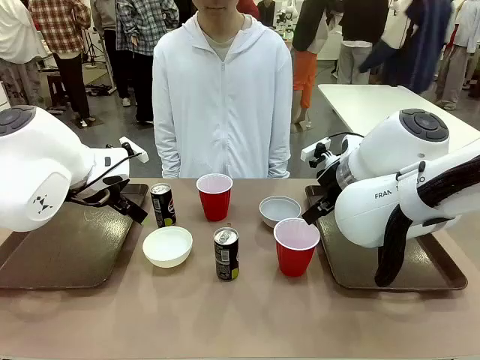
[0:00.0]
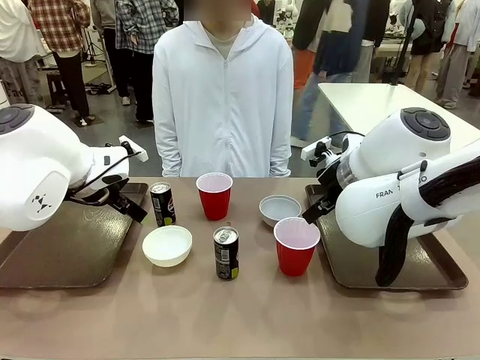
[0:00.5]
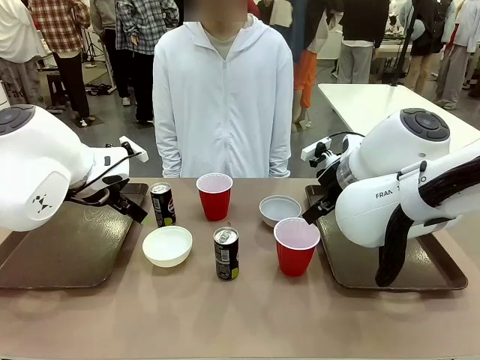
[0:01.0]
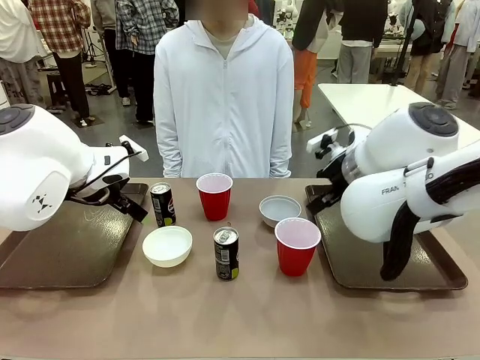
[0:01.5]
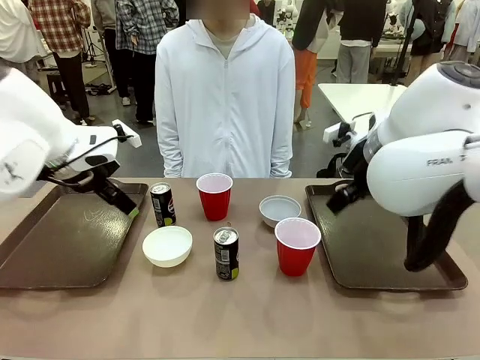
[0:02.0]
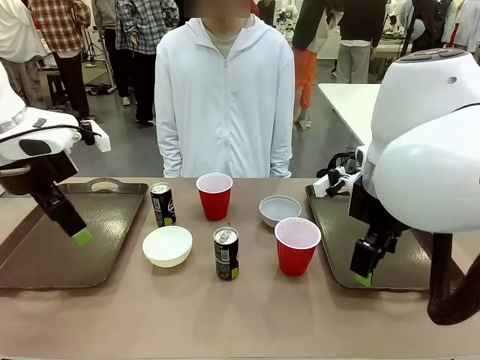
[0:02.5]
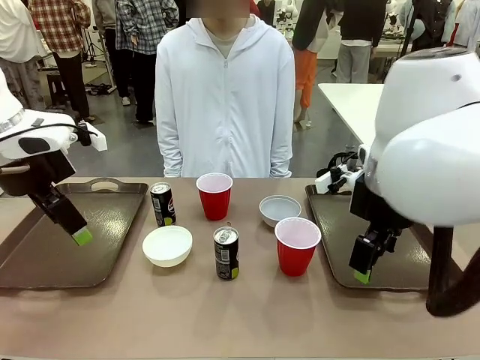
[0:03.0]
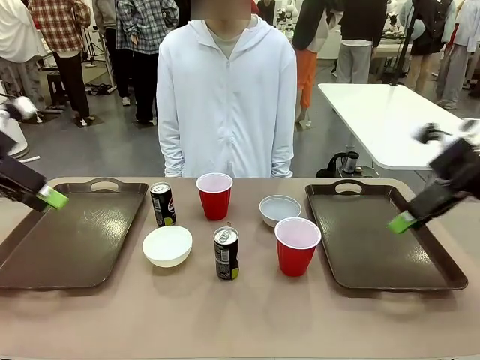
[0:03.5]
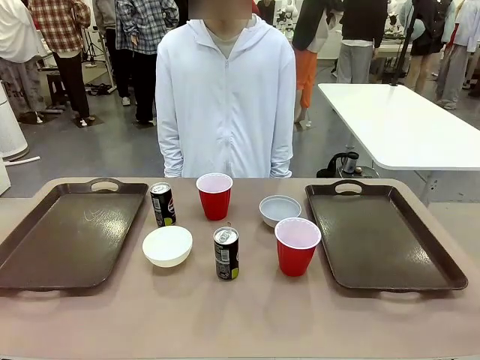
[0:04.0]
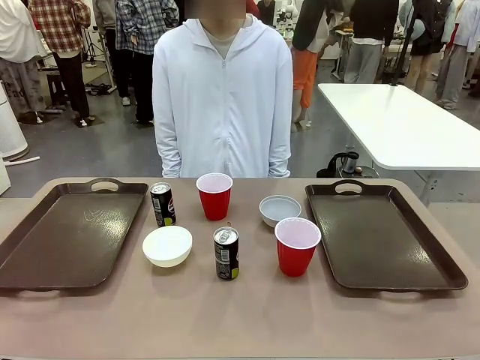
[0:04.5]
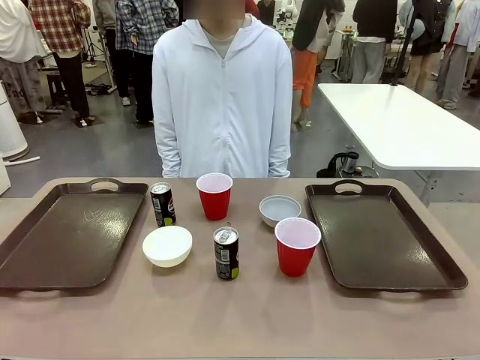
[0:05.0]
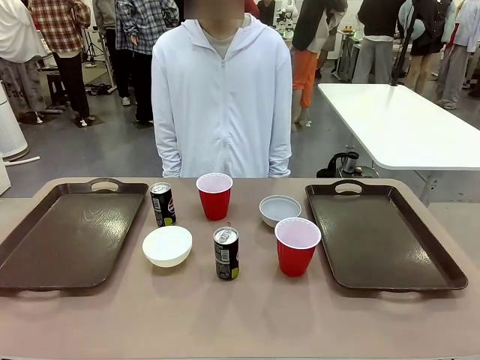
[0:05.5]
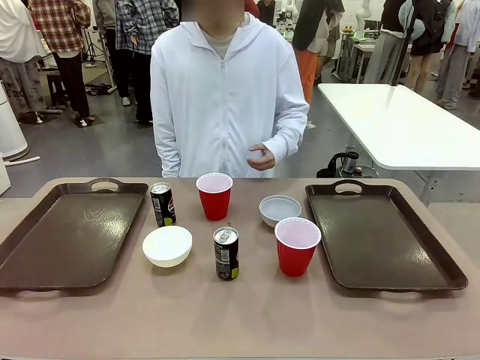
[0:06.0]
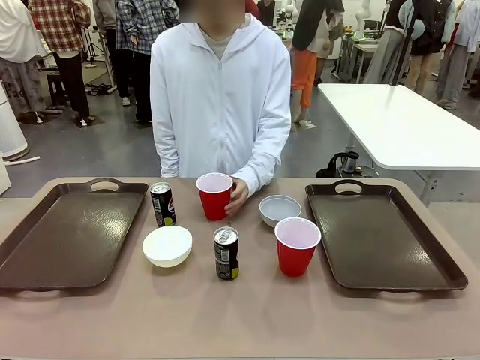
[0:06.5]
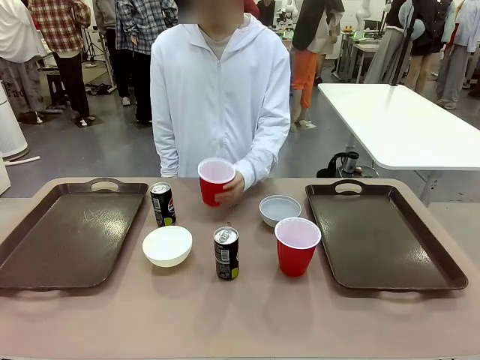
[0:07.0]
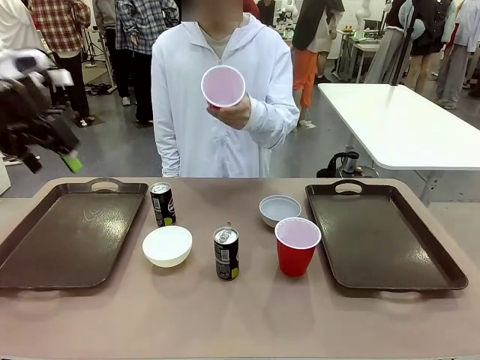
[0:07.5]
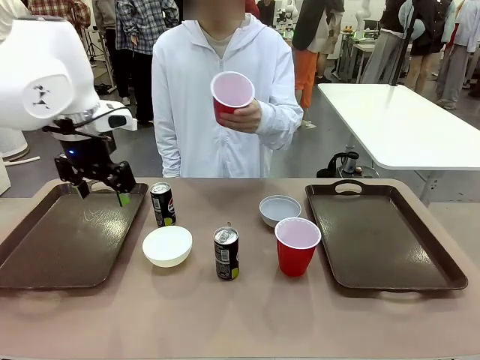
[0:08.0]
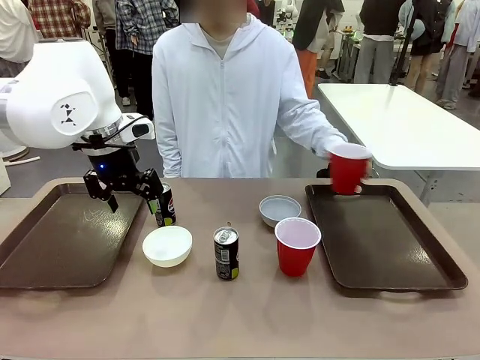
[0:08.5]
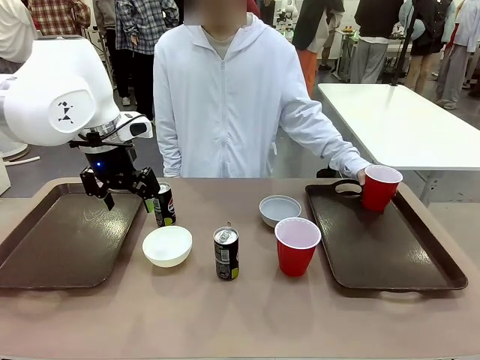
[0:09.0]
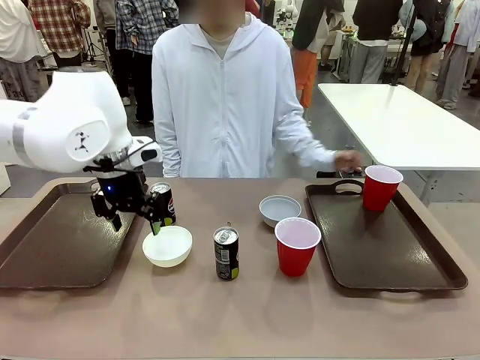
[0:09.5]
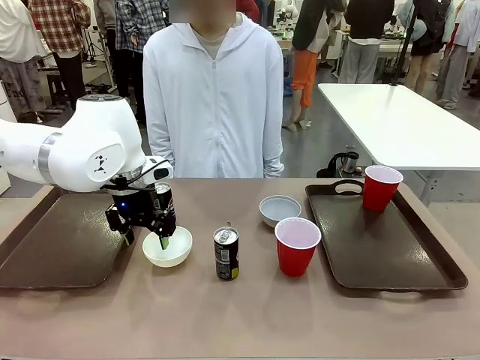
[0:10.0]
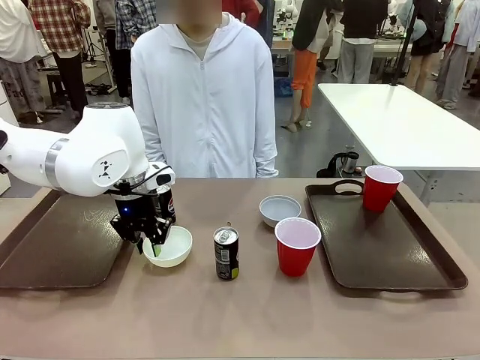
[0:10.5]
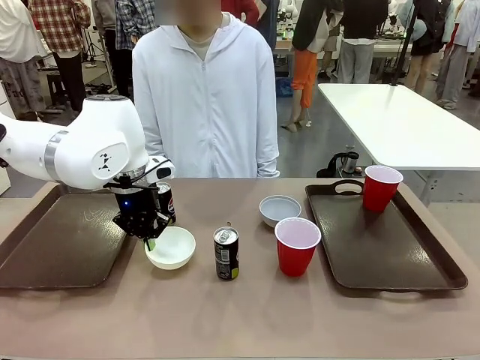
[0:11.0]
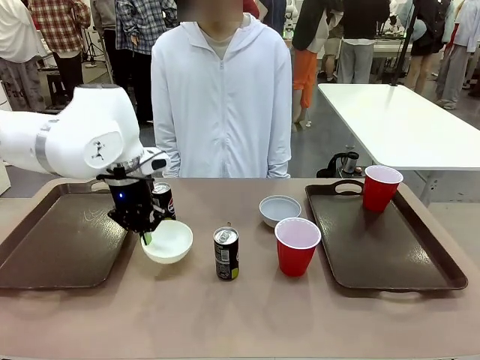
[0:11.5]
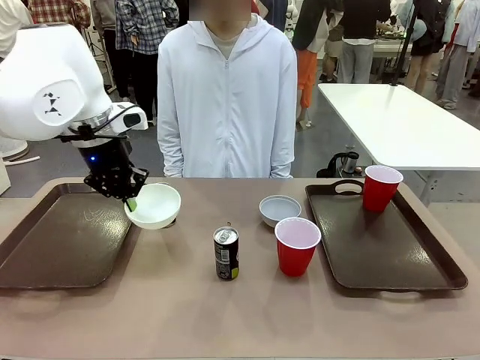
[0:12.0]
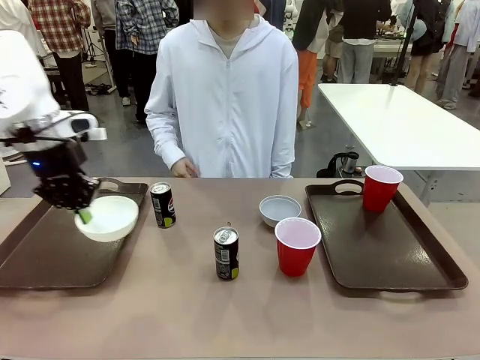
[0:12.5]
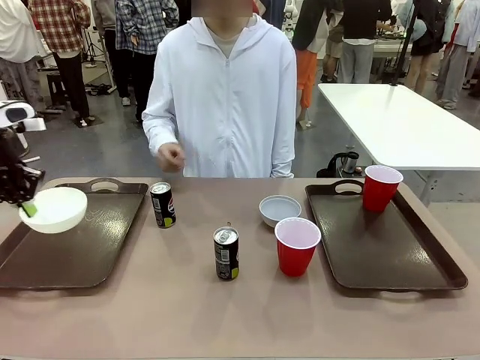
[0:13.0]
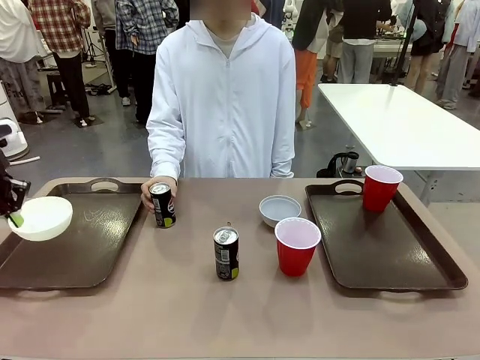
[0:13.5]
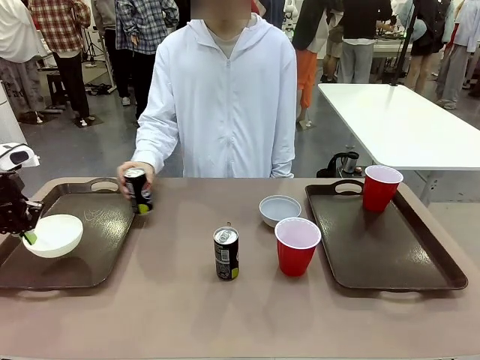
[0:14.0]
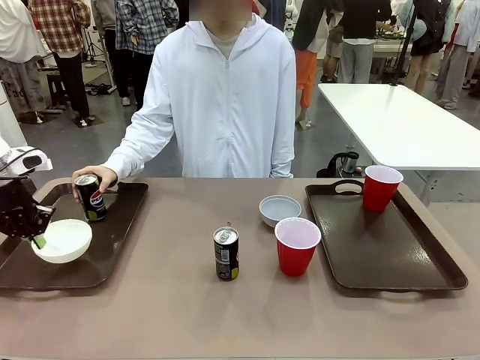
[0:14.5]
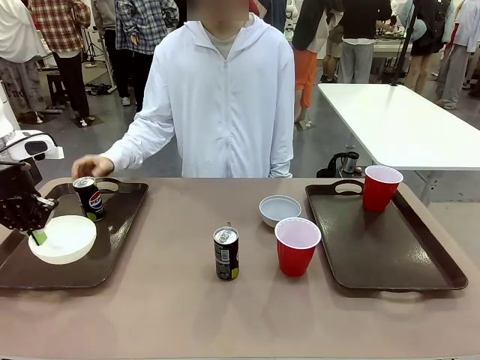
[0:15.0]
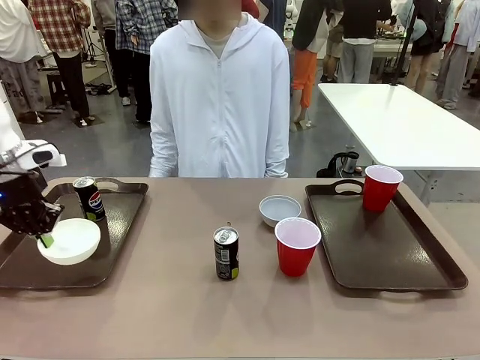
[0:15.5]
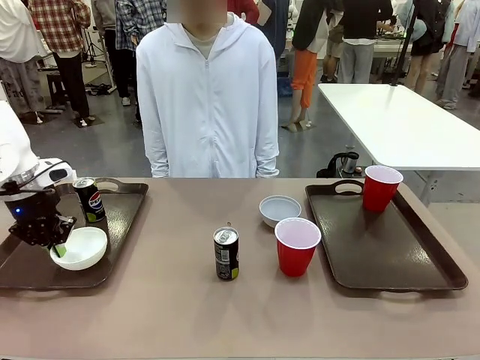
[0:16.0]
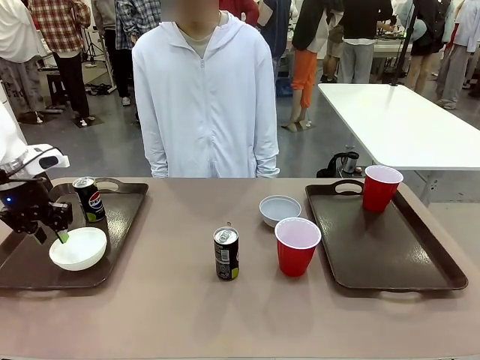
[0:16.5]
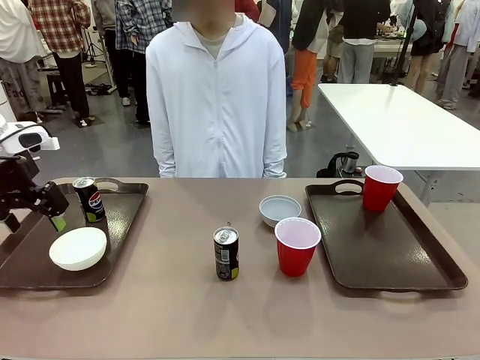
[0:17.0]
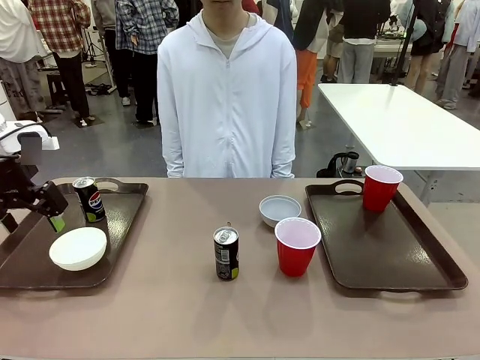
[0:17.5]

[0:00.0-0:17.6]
Task: Prepare tableware on both trays.
Robot: Pick up a Picnic Bowl from the table and place it on a Handle tray.
Person: Pick up a can or cup and place it on the tray.
